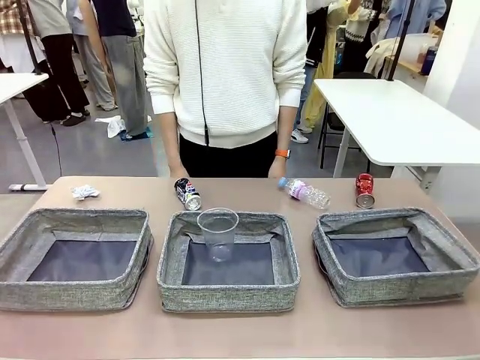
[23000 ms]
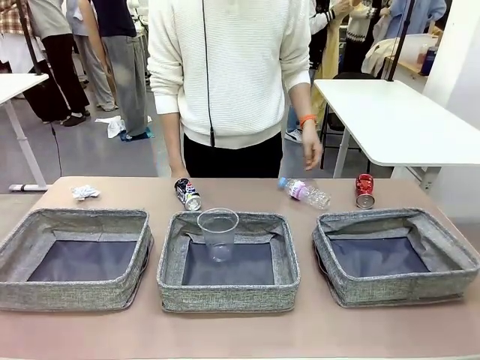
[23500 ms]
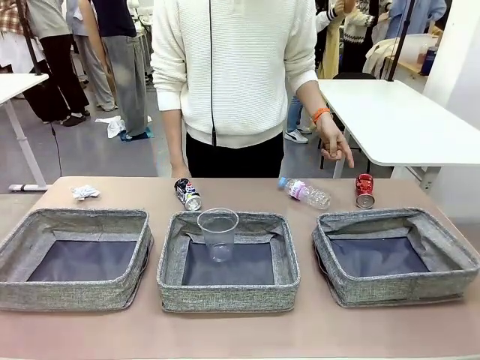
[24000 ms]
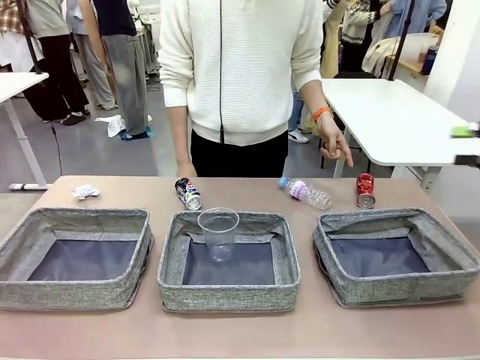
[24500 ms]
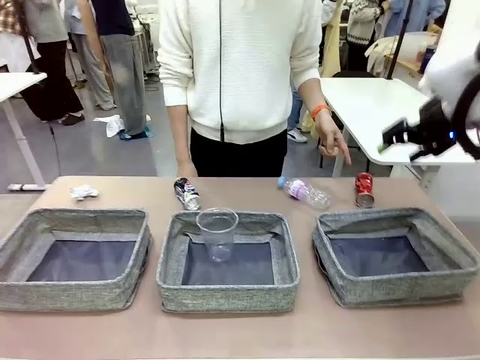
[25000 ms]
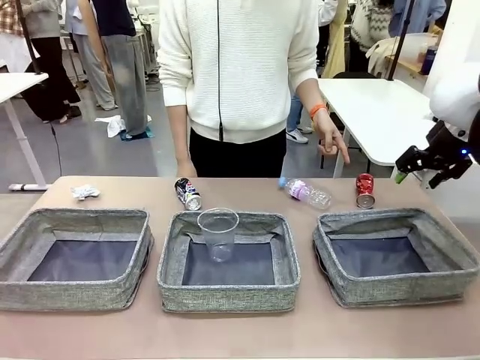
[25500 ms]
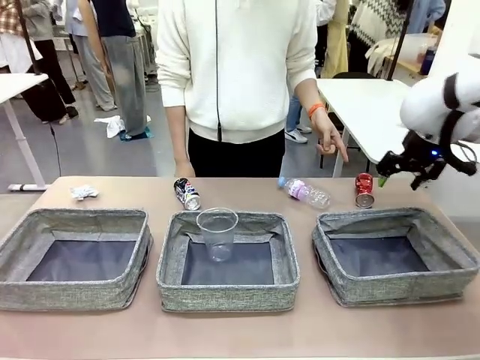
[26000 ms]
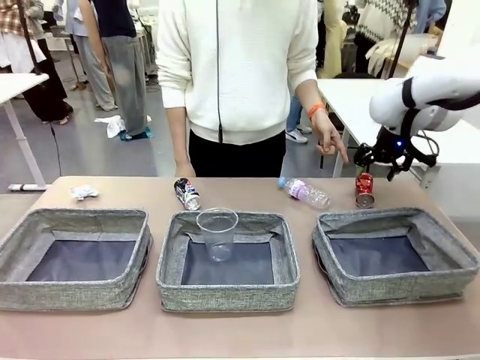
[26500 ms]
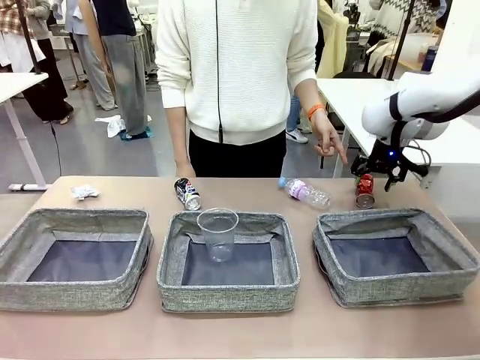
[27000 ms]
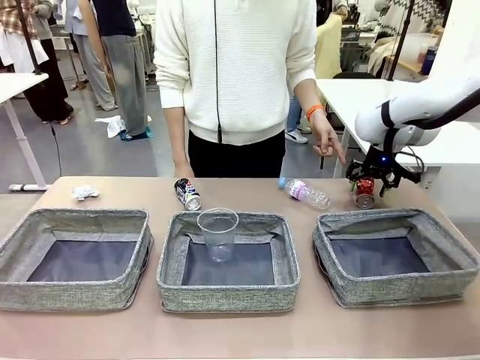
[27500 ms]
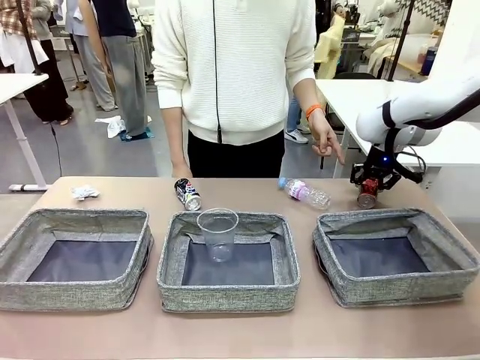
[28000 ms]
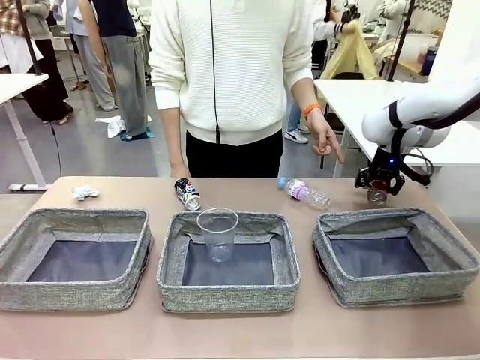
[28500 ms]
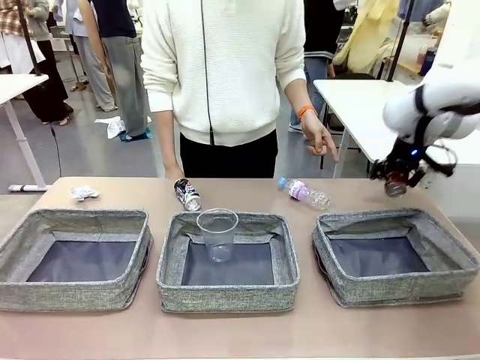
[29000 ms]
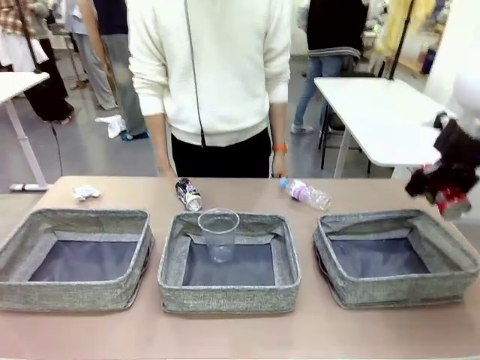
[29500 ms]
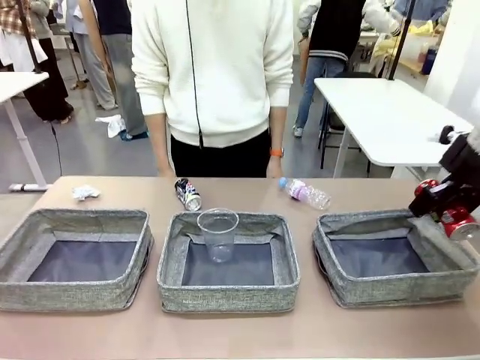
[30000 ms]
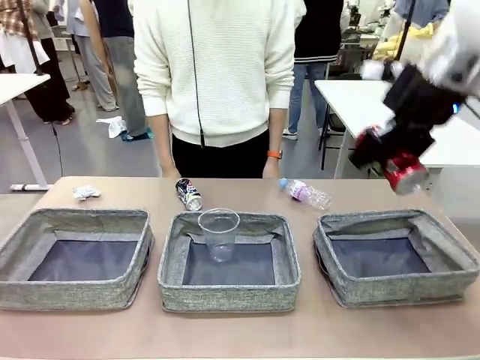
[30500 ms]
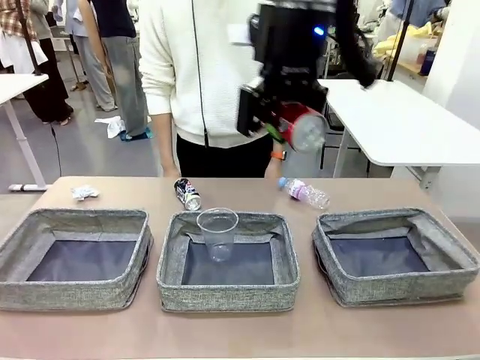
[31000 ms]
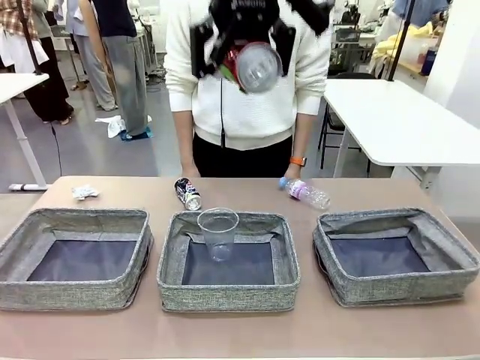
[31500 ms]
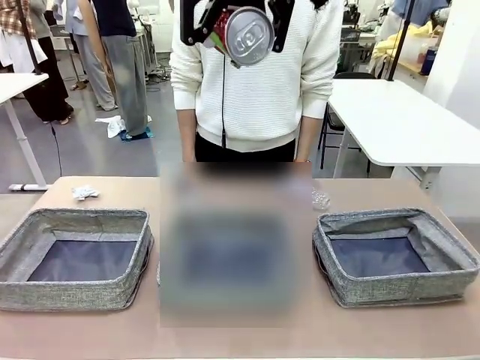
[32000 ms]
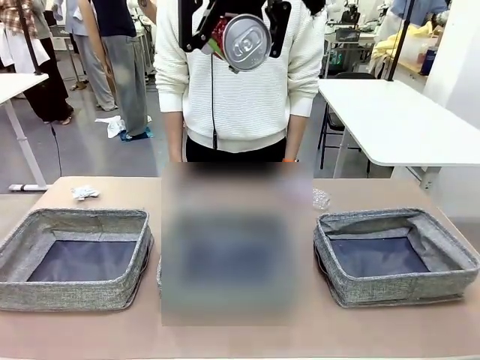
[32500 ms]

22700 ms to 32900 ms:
Task: Sort the waste into the appropriate baskets.
Robot: Pick up the waste item pointed out by the person.
Person: Points to one piece of trash on the table.

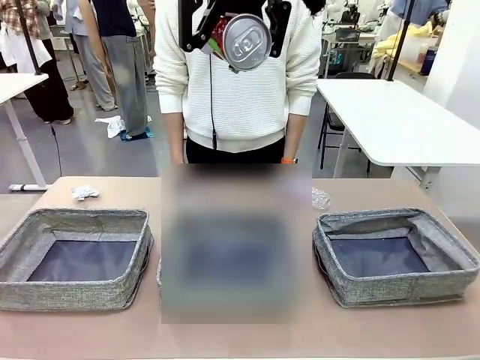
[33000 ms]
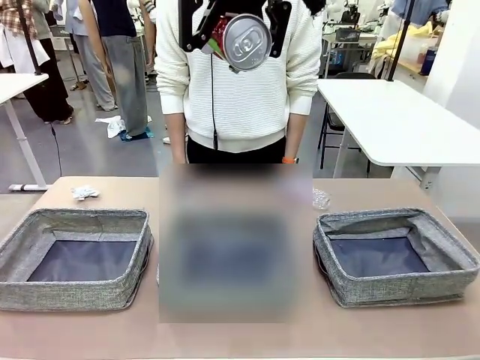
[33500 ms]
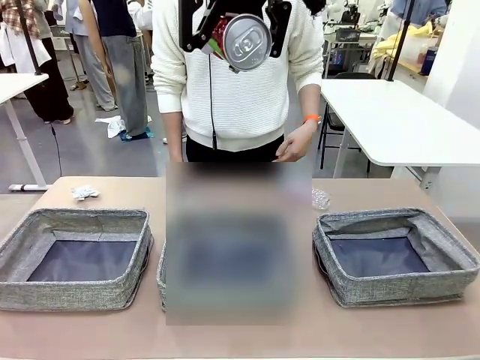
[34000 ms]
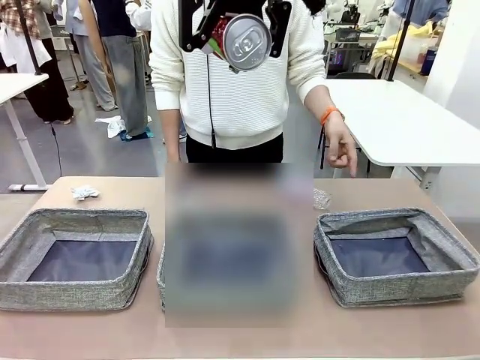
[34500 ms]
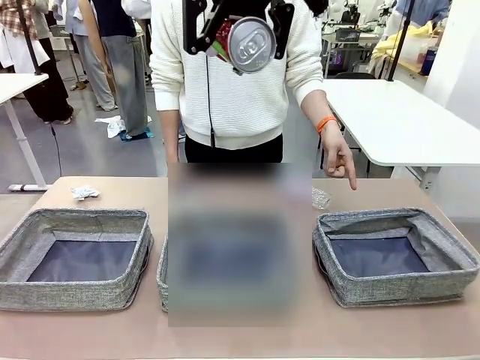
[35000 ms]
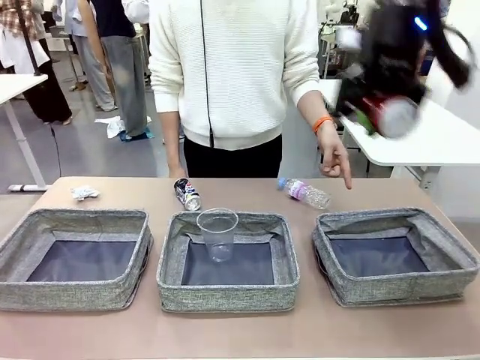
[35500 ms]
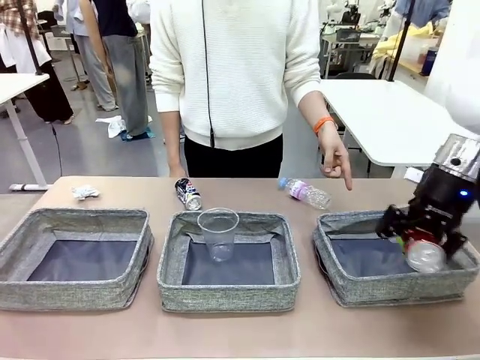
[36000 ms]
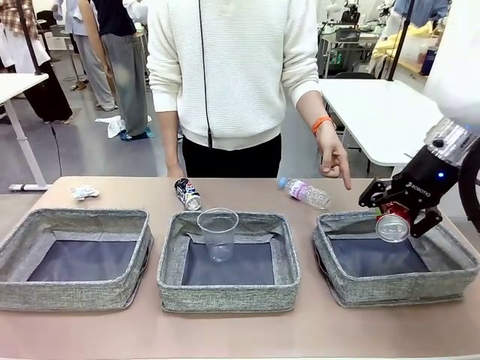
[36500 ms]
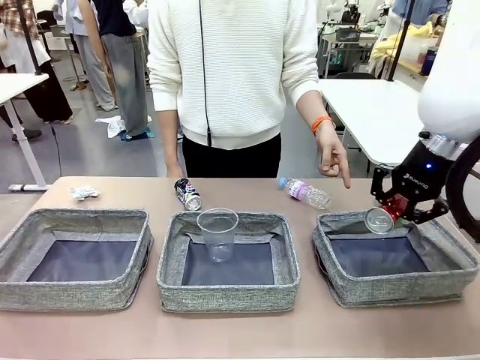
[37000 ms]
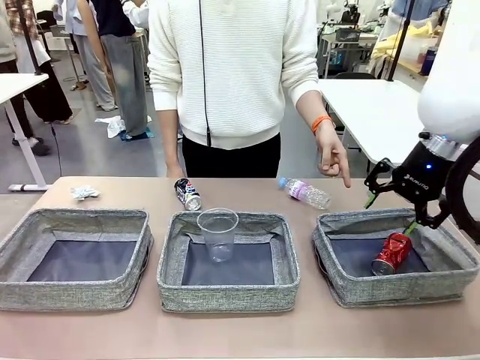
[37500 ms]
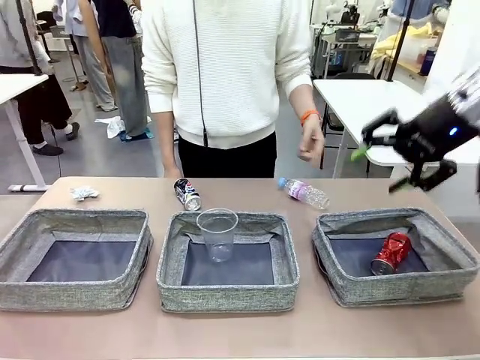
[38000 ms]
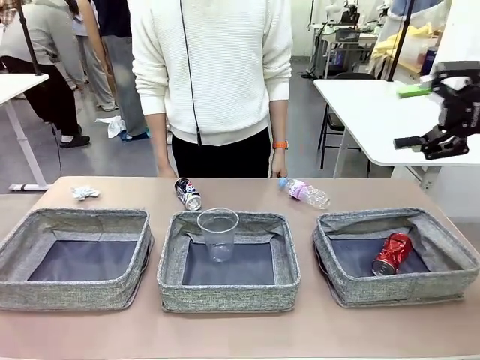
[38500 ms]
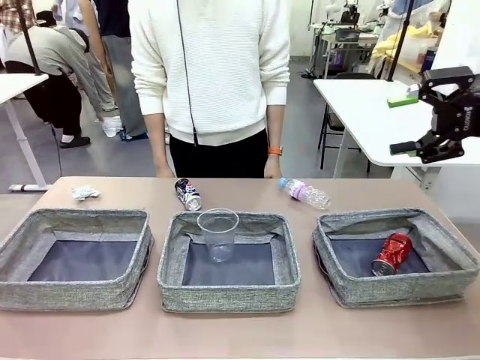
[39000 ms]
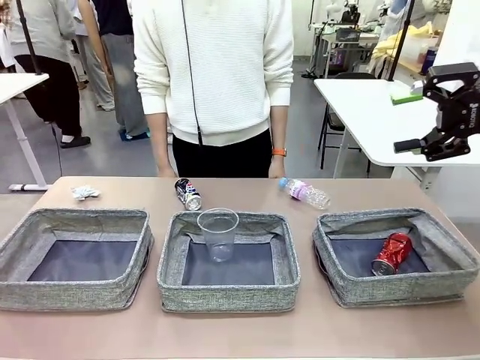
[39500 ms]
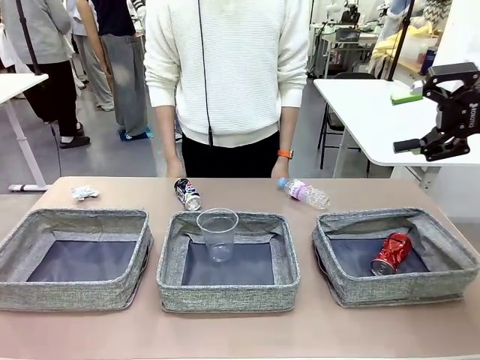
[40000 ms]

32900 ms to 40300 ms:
Robot: Place the picked waste into the Fabric basket indicated by the person.
Person: Instructs the robot to place the picked-up trash into the appropriate organizing basket.

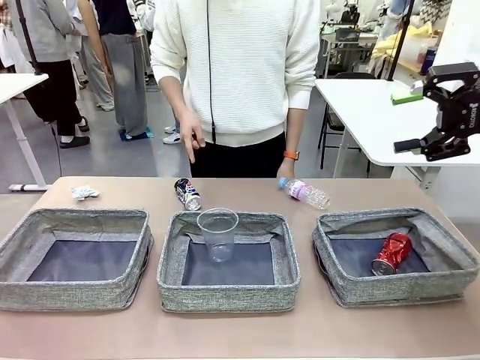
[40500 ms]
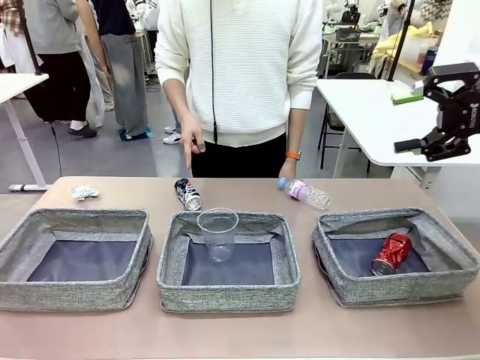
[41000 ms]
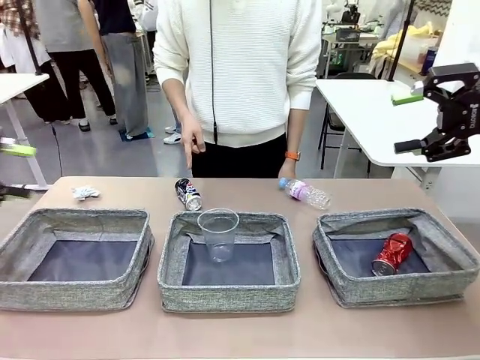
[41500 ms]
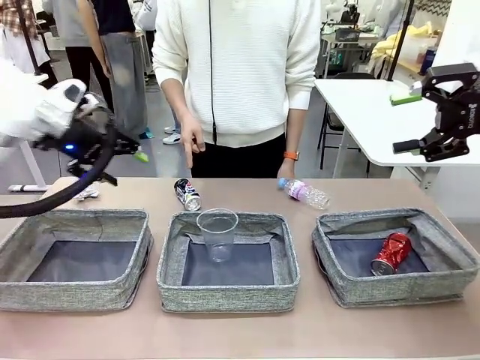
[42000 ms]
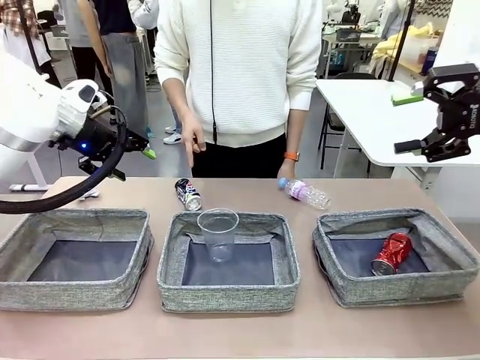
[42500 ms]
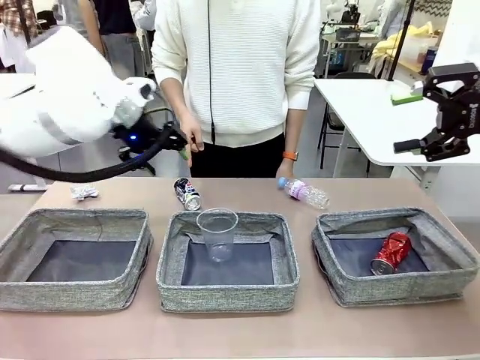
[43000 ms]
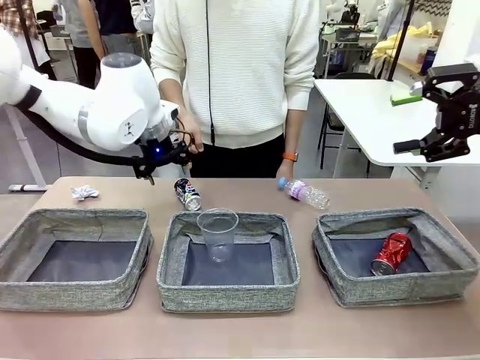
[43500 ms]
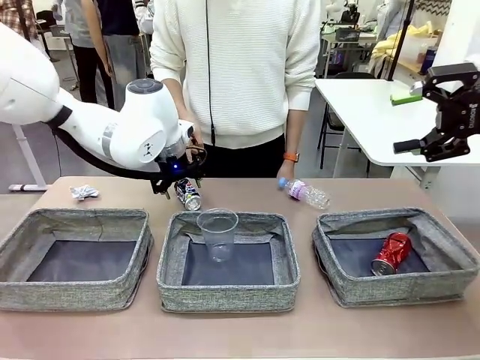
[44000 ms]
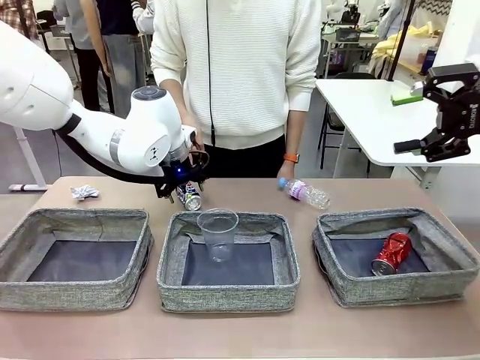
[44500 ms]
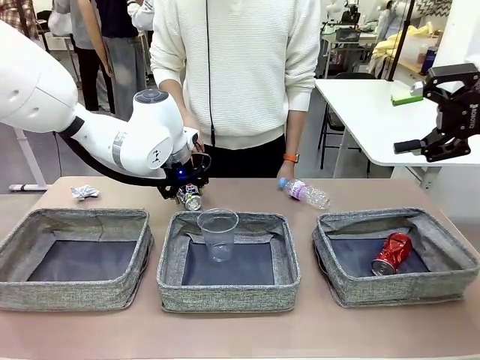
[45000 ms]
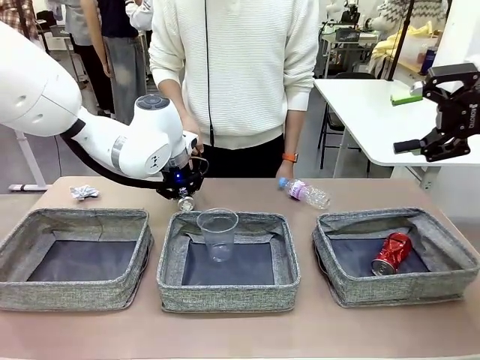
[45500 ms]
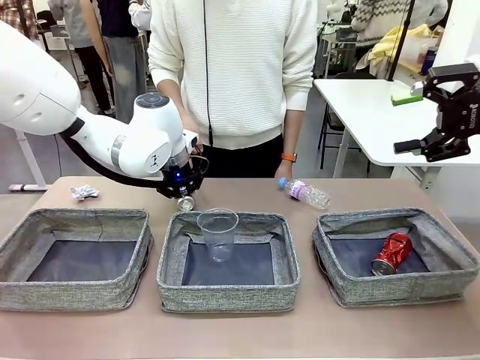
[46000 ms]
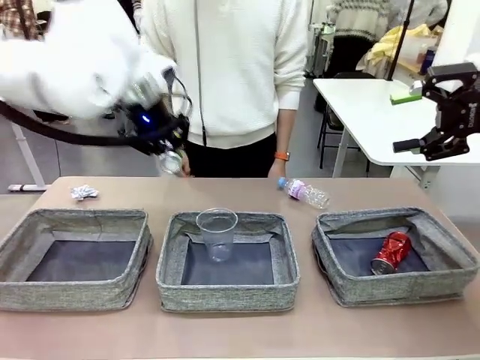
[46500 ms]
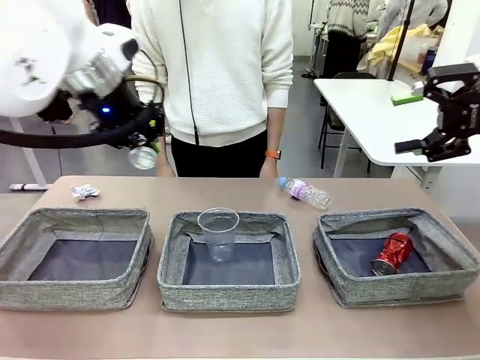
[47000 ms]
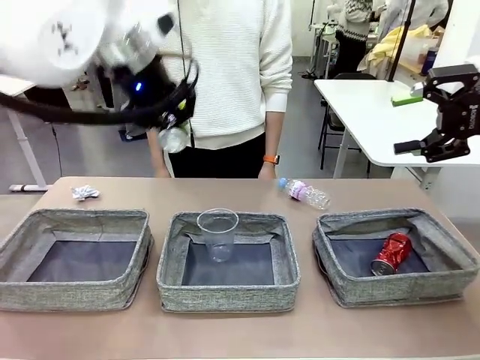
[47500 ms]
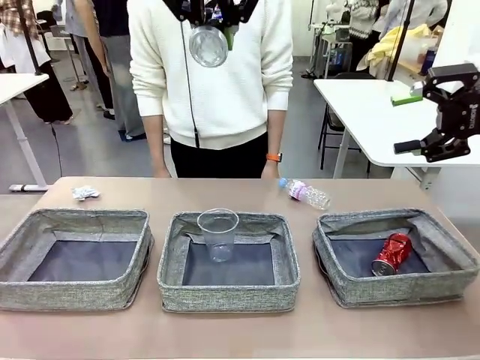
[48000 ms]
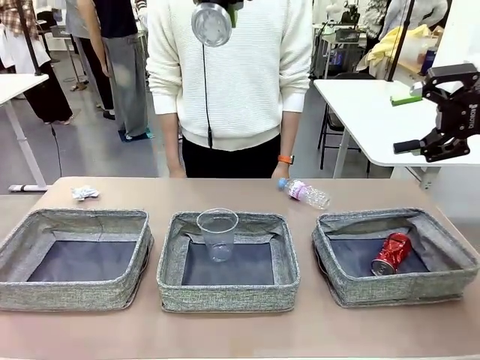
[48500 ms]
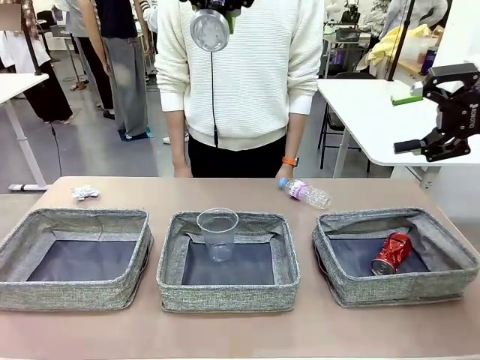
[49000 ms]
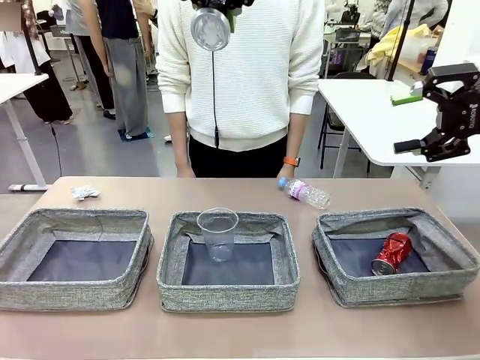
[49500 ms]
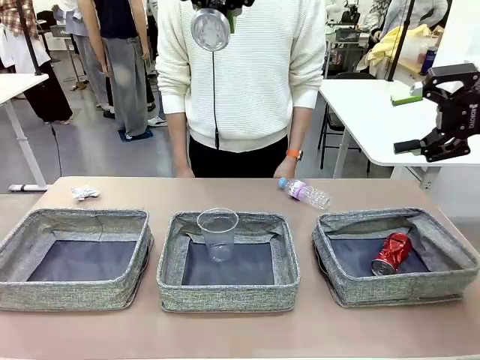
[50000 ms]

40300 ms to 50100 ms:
Robot: Pick up the waste item pointed out by the person.
Person: Points to one piece of trash on the table.
